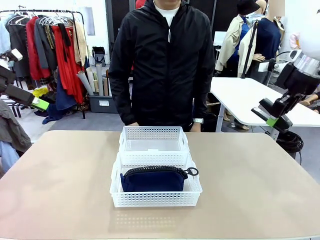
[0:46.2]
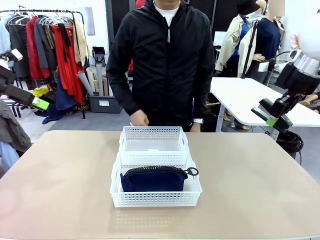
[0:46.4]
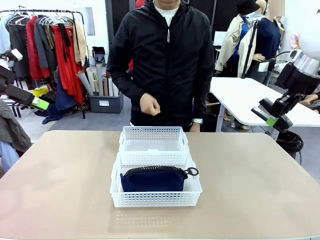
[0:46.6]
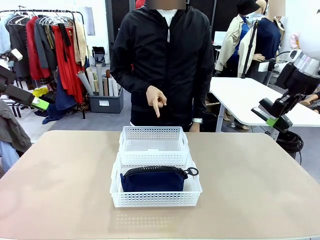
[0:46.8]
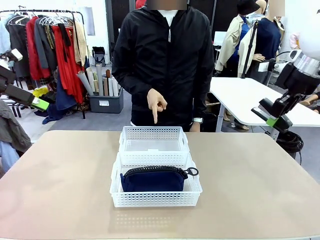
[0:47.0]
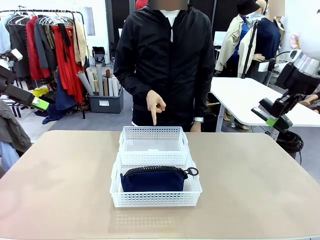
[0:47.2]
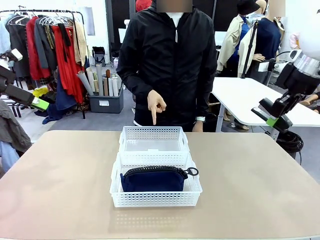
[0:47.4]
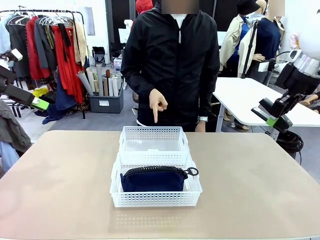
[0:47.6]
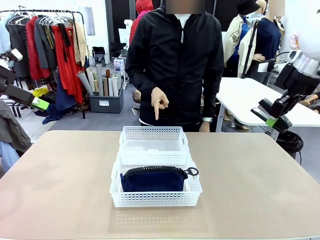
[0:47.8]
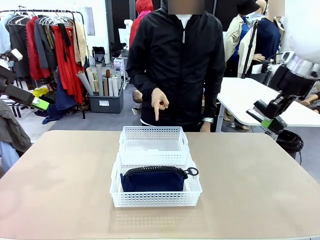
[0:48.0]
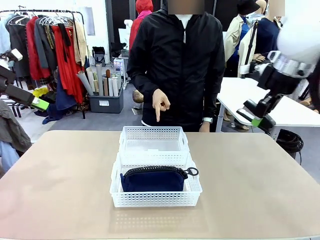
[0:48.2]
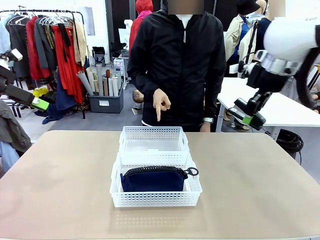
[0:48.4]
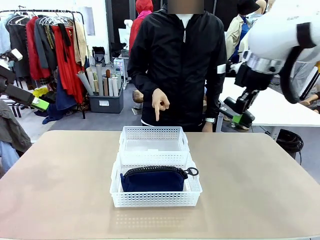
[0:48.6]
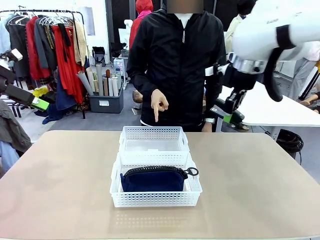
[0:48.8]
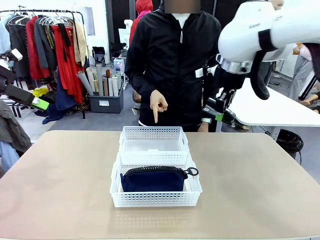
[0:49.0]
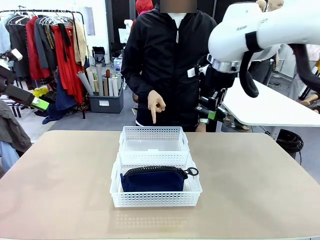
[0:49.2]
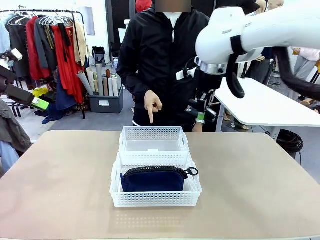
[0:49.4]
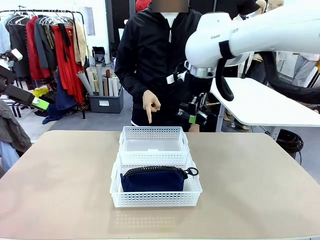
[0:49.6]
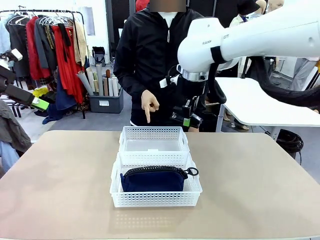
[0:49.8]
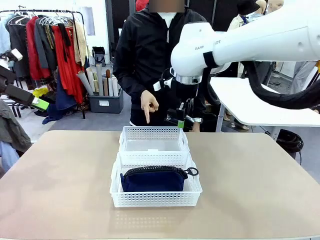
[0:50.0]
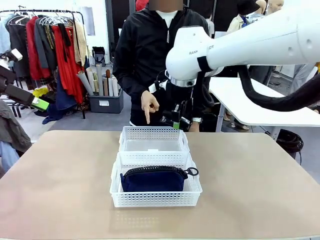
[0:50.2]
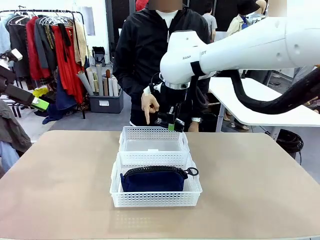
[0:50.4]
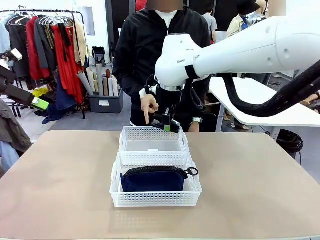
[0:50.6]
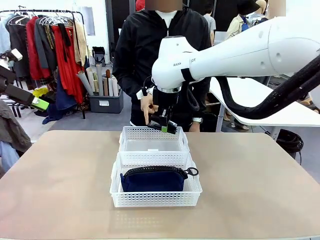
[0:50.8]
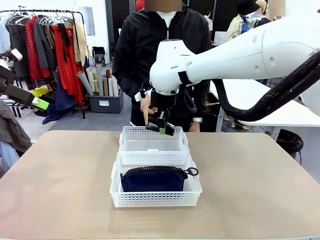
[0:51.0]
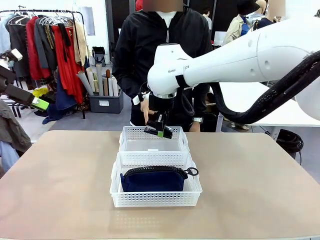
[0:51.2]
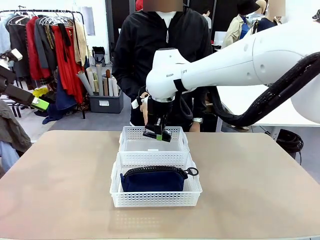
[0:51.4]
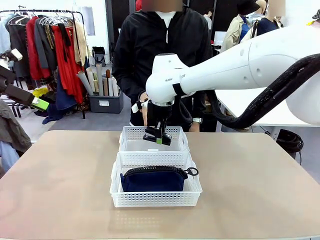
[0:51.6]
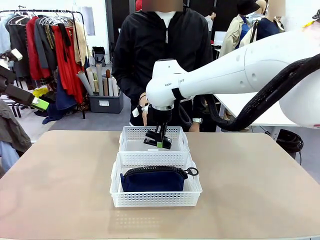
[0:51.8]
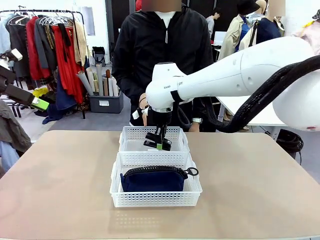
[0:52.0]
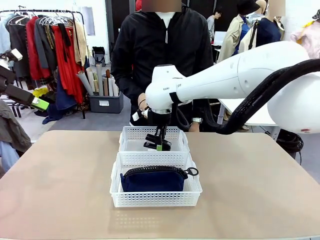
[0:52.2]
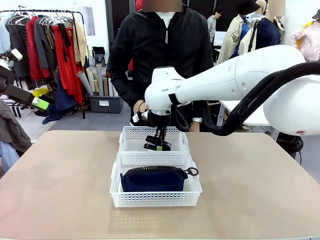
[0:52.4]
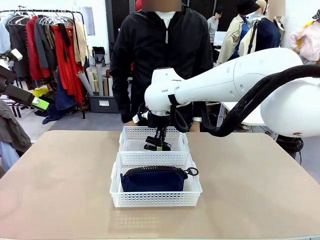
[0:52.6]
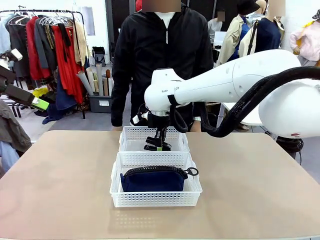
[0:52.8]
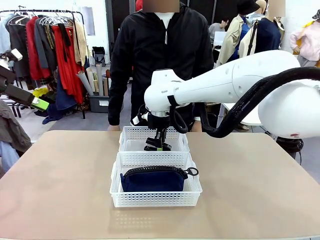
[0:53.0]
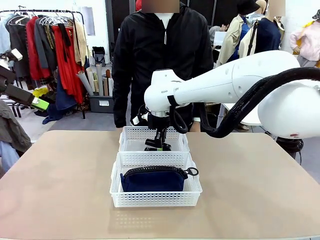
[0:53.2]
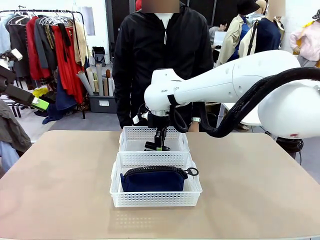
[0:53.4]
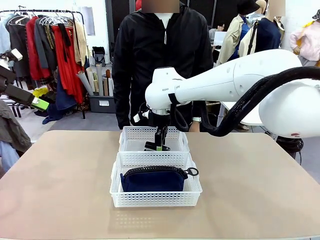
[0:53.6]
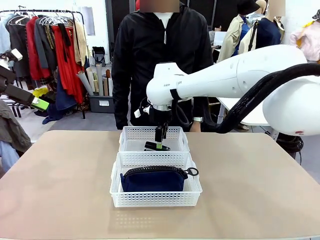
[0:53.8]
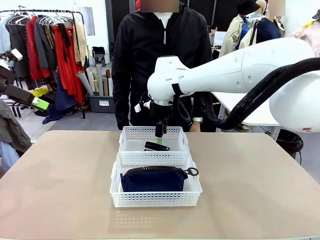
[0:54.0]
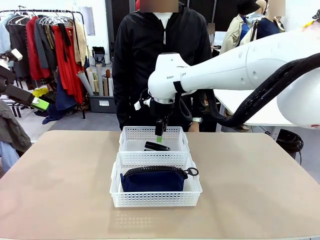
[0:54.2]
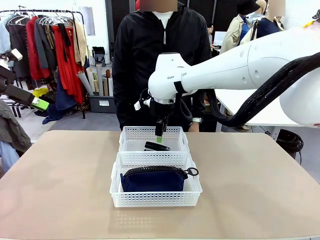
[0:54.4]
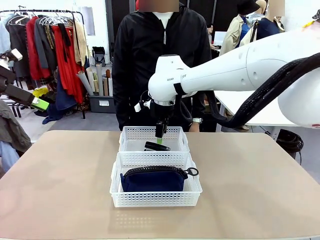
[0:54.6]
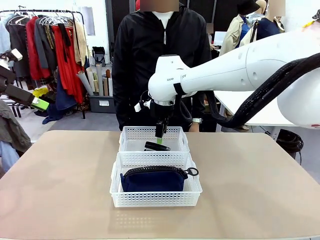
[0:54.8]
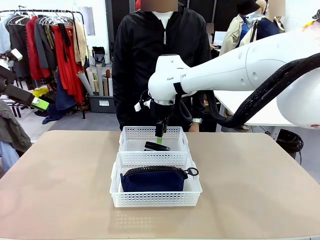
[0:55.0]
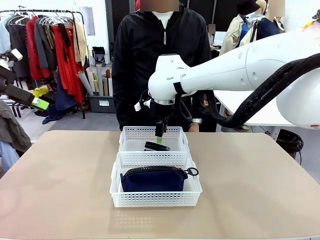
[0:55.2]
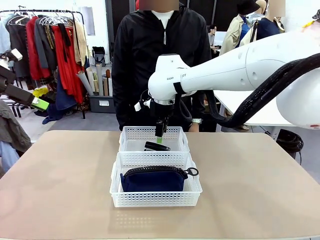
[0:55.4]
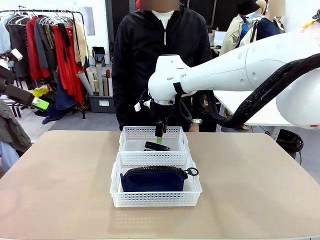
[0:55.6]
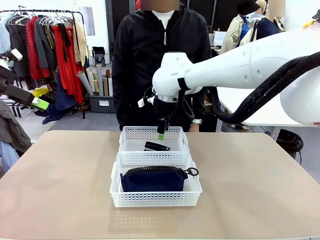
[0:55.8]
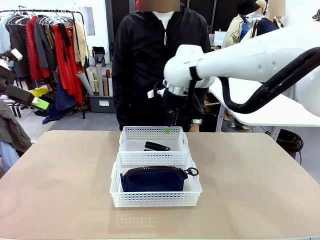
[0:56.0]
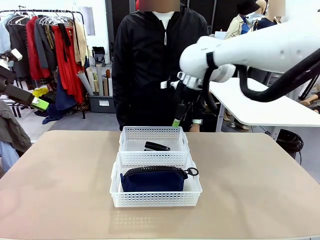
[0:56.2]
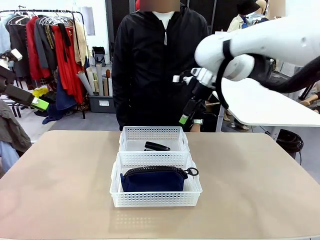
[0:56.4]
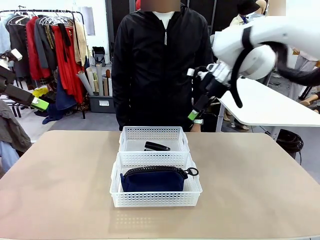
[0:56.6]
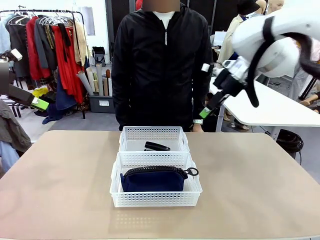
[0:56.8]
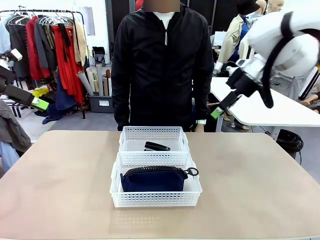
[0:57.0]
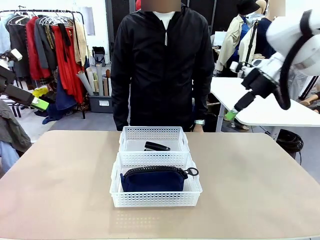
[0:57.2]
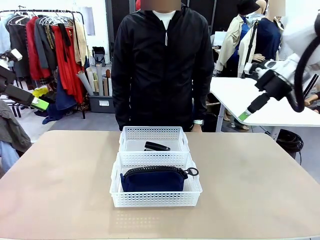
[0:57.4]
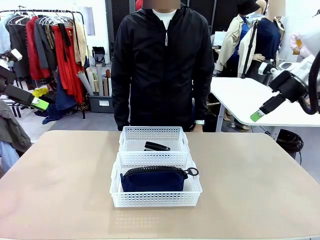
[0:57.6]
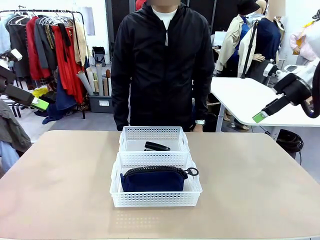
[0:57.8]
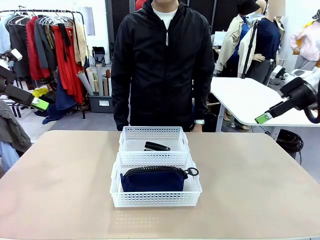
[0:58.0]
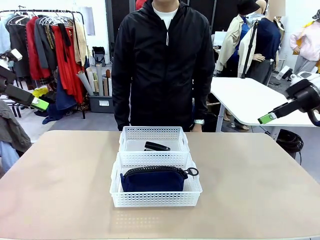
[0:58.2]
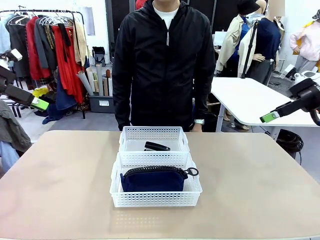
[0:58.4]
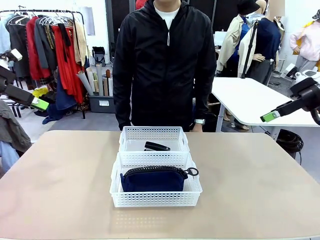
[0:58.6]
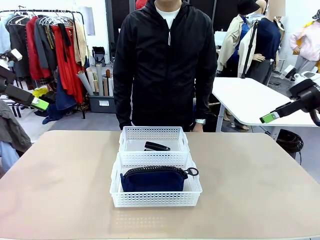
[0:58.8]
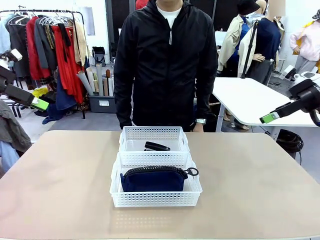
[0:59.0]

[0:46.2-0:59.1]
Task: Distribute items into two baskets.
Robot: Place the picked Stapler into the Organizing basket as instructed by the person.
Person: Points to the basket that does not contain the pencil case and instructs the robot to move the stapler there.

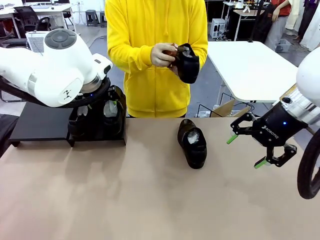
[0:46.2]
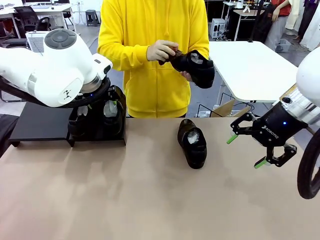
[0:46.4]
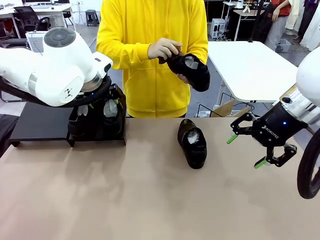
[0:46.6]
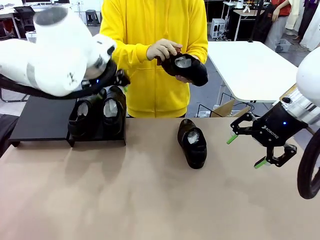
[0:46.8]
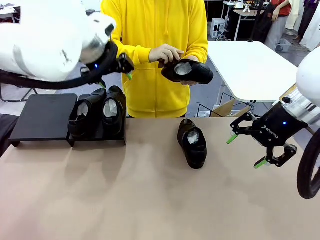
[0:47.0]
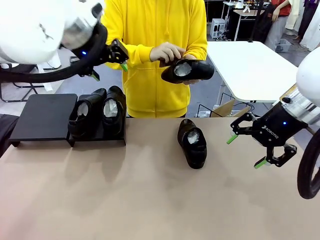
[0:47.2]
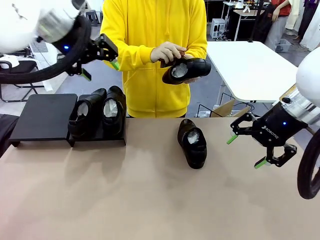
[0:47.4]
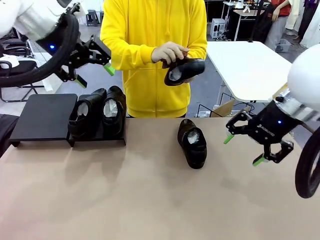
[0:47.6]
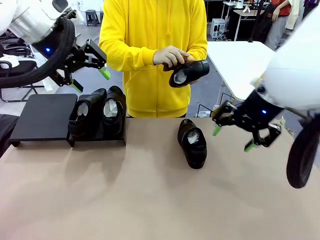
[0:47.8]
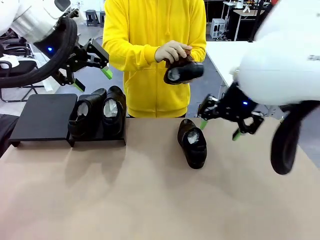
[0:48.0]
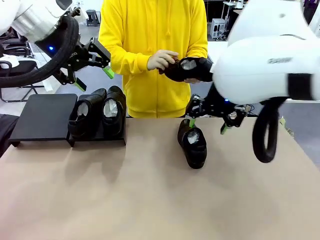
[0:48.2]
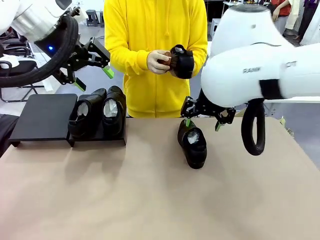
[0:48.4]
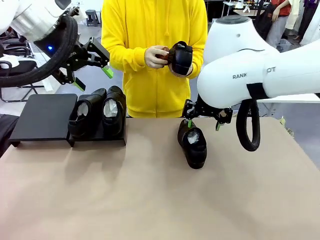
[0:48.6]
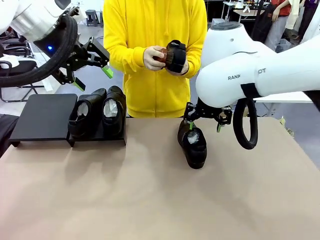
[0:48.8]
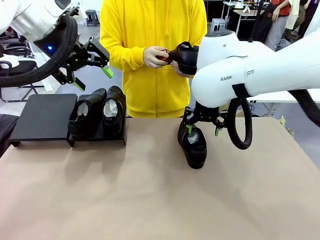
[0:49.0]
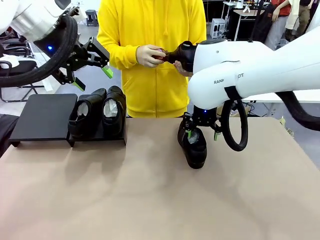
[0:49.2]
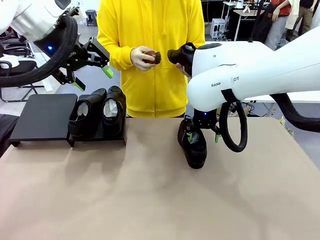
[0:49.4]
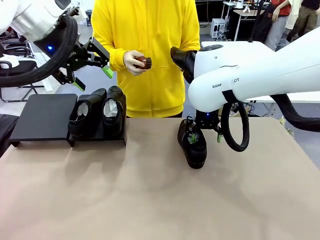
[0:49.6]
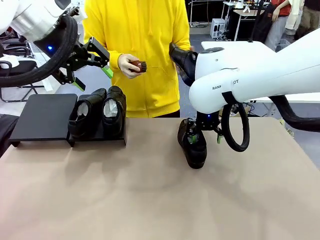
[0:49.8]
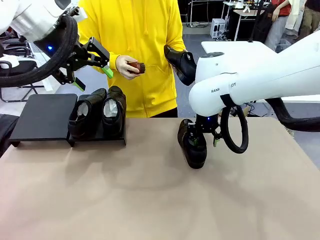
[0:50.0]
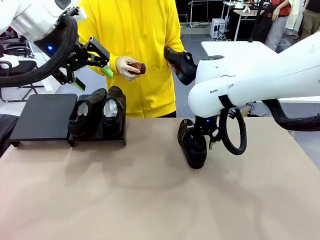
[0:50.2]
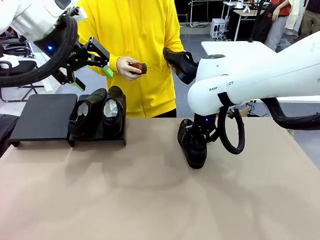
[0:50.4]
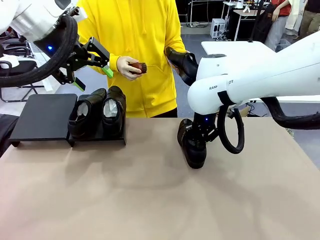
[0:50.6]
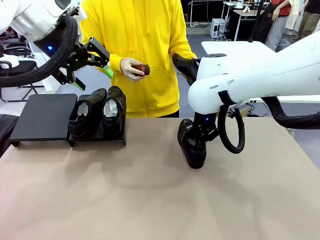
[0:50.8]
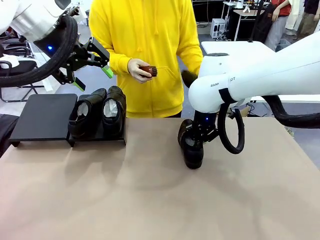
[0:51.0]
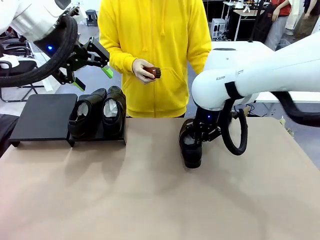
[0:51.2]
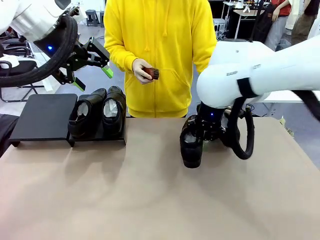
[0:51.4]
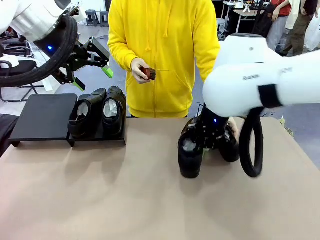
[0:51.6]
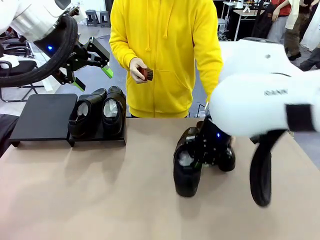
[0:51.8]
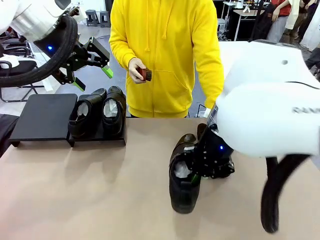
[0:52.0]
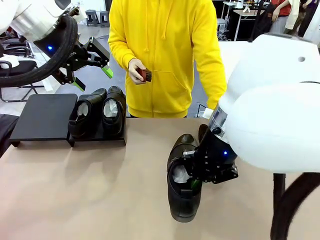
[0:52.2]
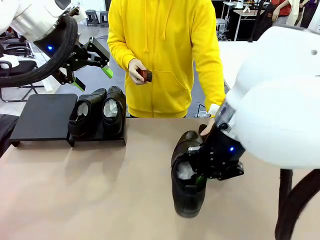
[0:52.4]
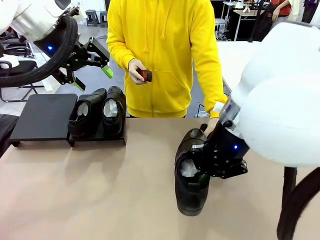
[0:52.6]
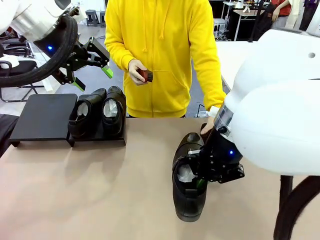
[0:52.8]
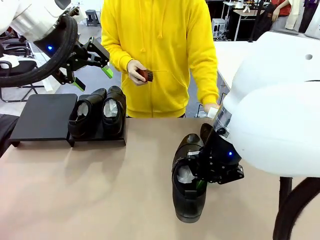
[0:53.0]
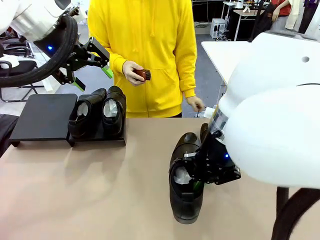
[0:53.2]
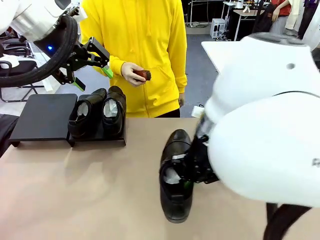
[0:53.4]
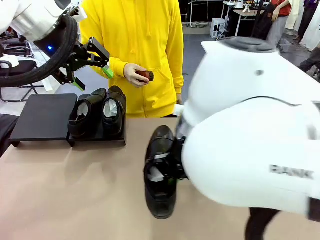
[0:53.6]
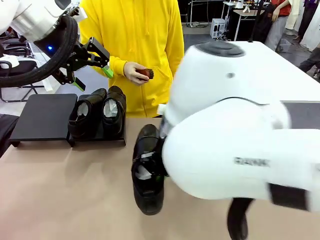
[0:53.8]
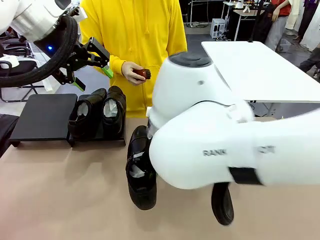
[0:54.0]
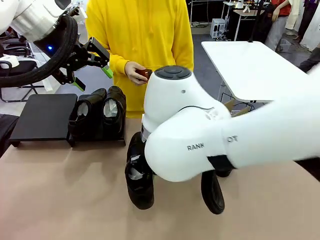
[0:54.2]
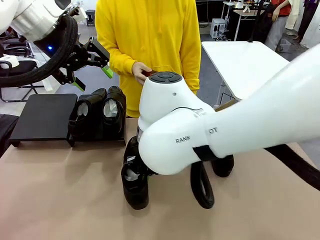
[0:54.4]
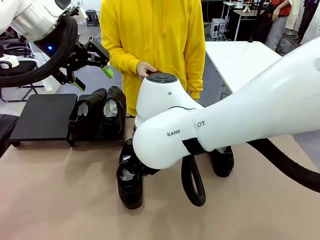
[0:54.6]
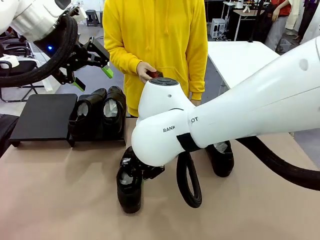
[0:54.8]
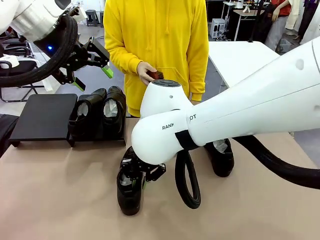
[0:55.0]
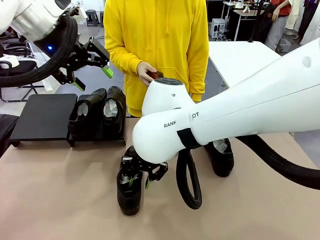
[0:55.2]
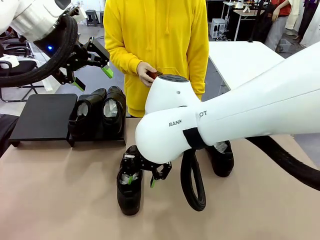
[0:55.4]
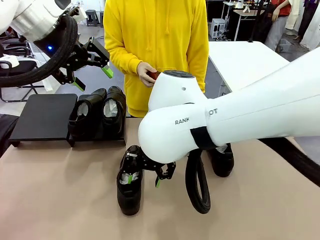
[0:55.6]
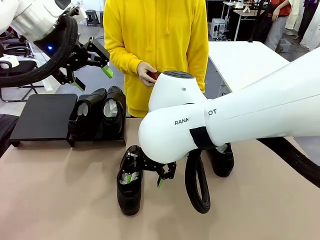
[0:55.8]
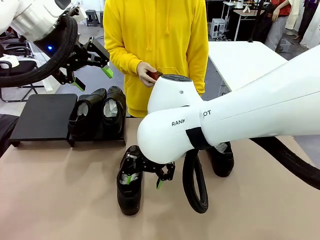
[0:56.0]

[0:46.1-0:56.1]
Task: Organize the shoes by placing them on the stand.
Robot: Pick up one Shoe and place it in the middle of the table.
